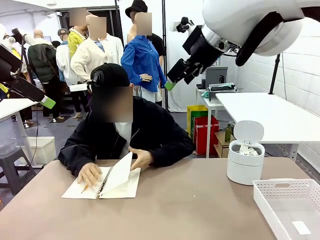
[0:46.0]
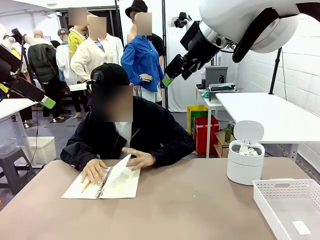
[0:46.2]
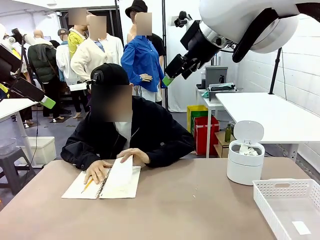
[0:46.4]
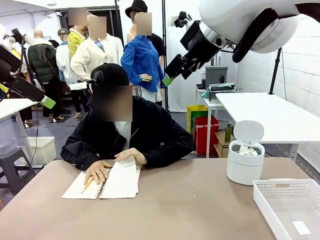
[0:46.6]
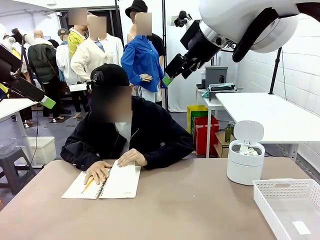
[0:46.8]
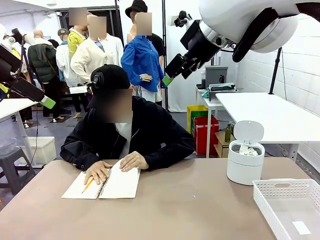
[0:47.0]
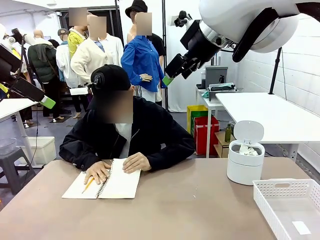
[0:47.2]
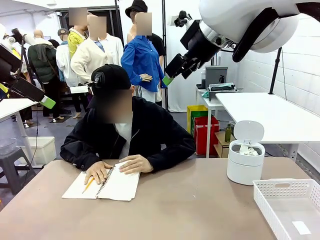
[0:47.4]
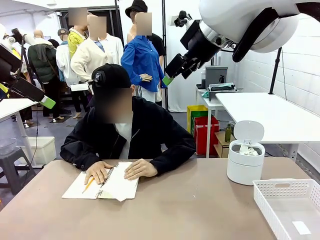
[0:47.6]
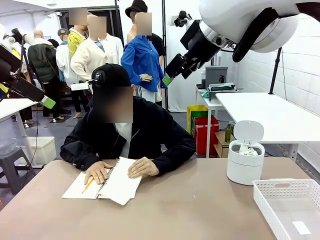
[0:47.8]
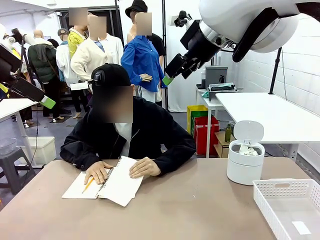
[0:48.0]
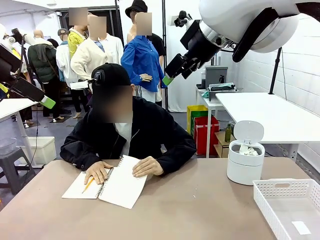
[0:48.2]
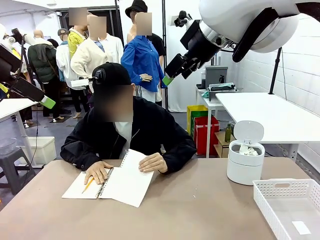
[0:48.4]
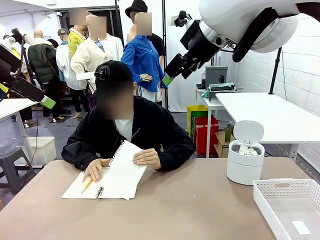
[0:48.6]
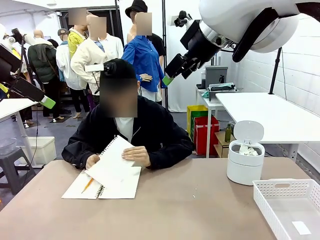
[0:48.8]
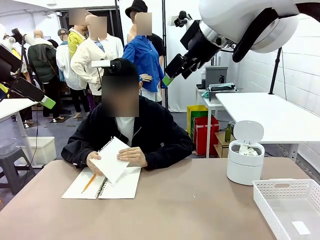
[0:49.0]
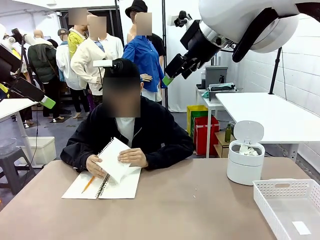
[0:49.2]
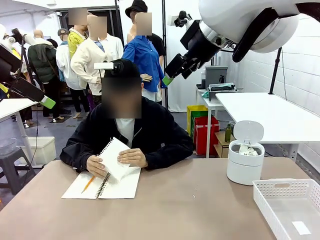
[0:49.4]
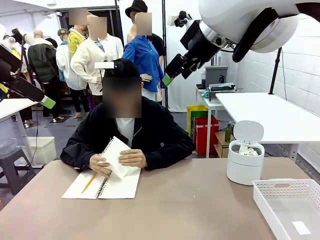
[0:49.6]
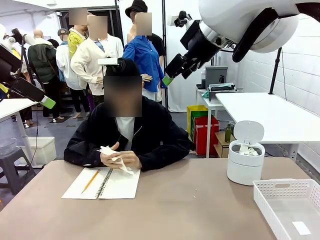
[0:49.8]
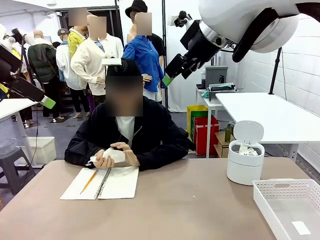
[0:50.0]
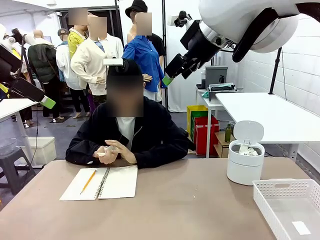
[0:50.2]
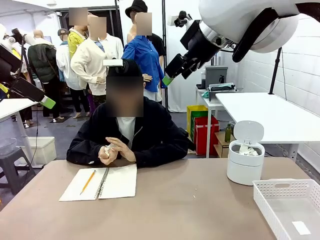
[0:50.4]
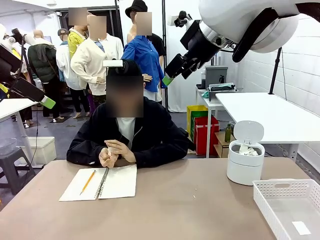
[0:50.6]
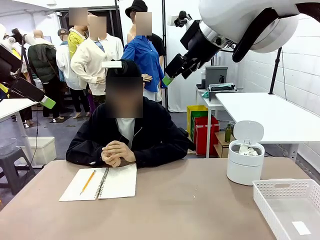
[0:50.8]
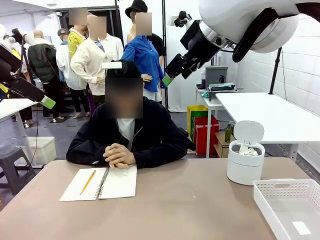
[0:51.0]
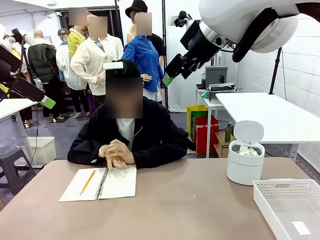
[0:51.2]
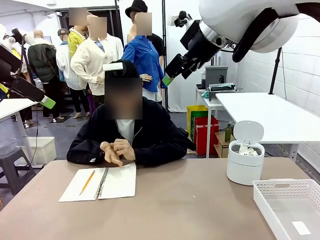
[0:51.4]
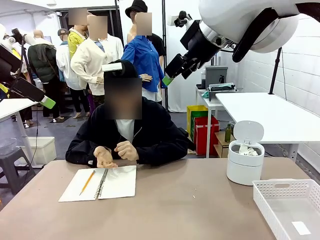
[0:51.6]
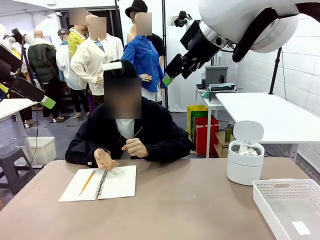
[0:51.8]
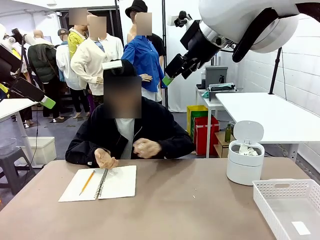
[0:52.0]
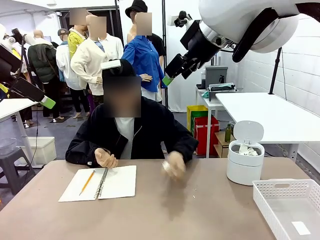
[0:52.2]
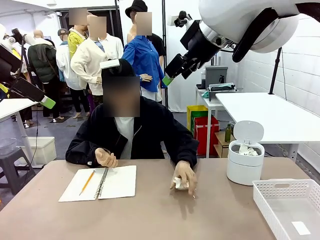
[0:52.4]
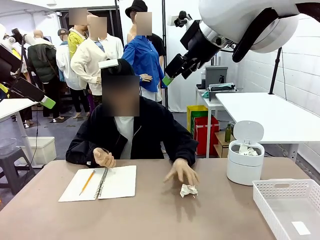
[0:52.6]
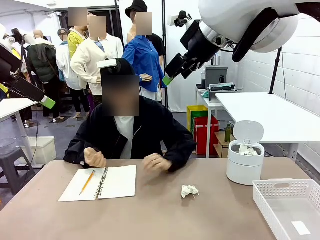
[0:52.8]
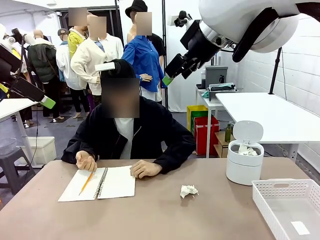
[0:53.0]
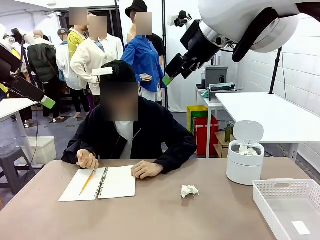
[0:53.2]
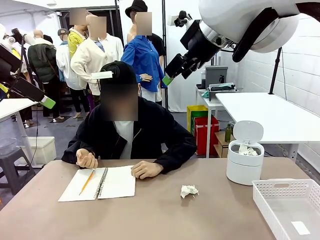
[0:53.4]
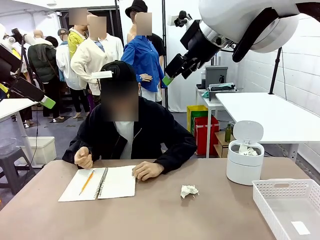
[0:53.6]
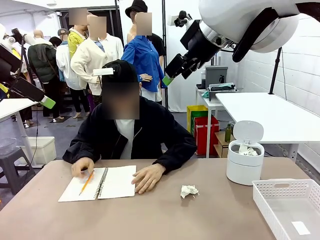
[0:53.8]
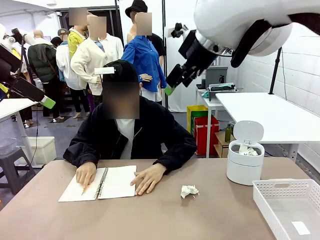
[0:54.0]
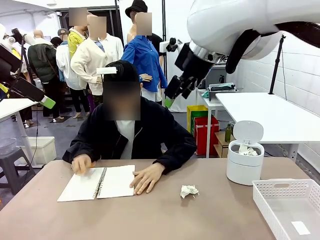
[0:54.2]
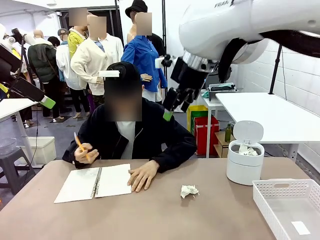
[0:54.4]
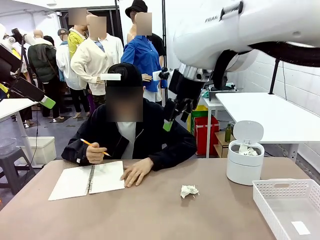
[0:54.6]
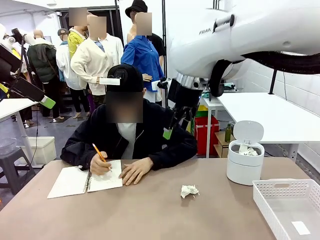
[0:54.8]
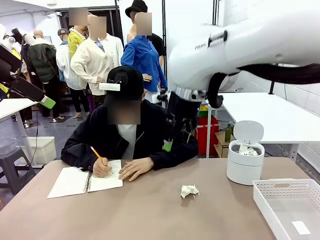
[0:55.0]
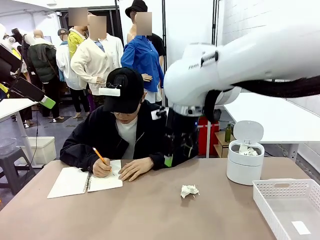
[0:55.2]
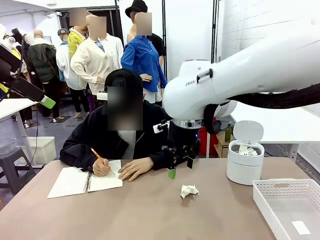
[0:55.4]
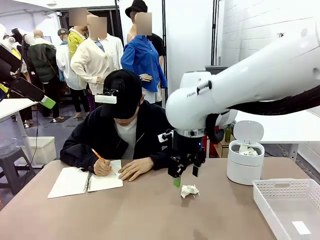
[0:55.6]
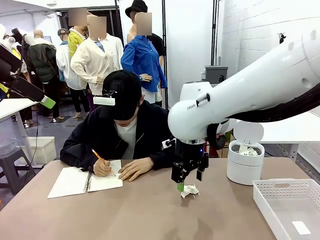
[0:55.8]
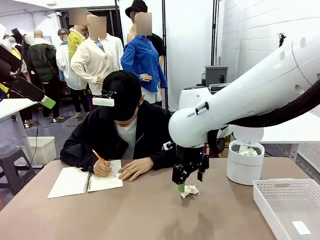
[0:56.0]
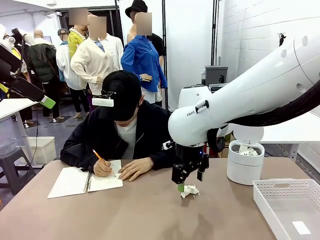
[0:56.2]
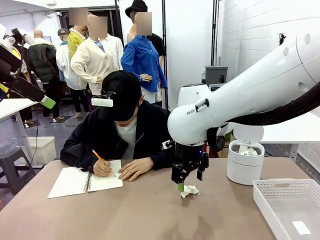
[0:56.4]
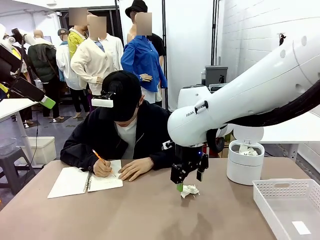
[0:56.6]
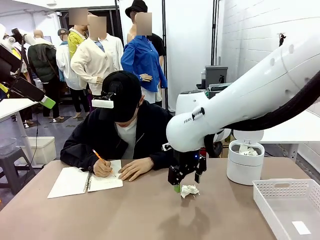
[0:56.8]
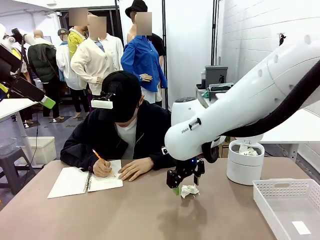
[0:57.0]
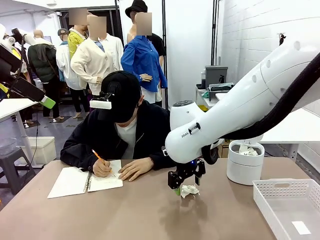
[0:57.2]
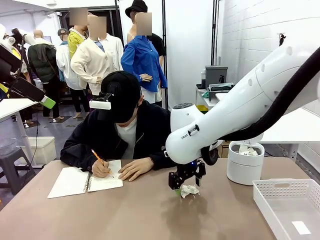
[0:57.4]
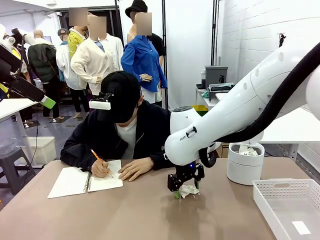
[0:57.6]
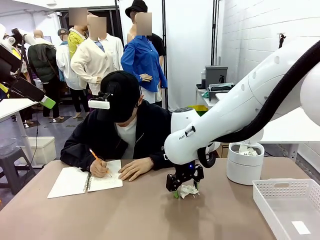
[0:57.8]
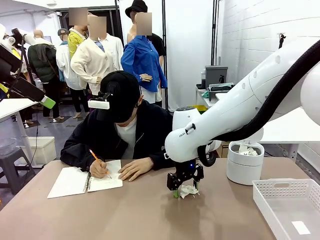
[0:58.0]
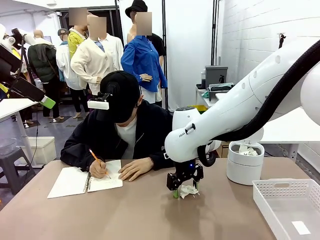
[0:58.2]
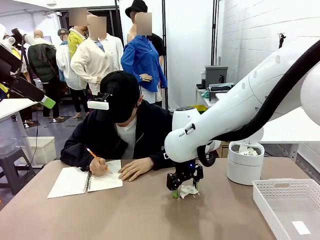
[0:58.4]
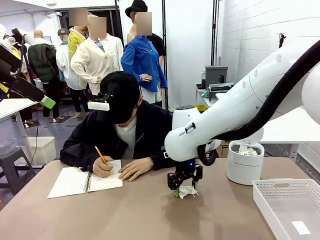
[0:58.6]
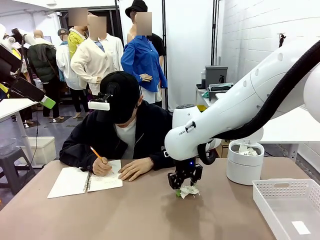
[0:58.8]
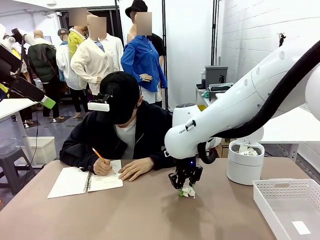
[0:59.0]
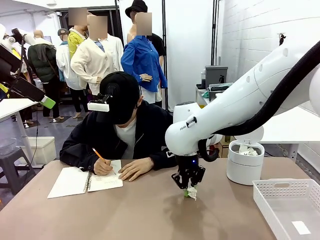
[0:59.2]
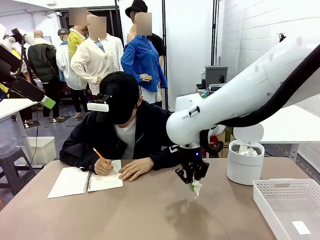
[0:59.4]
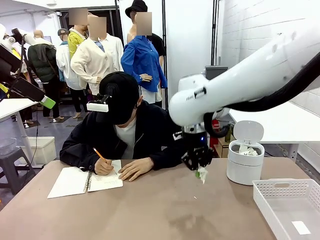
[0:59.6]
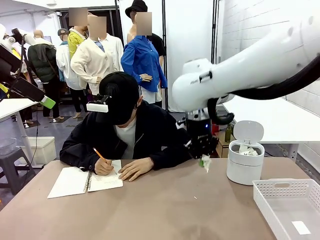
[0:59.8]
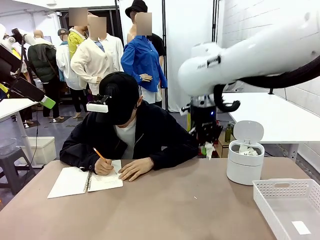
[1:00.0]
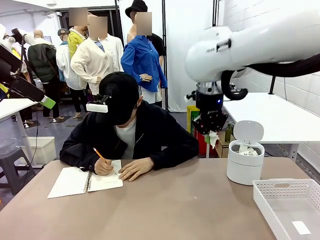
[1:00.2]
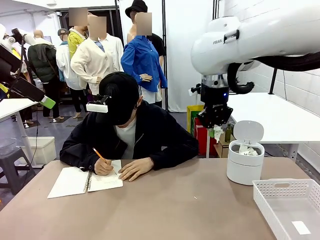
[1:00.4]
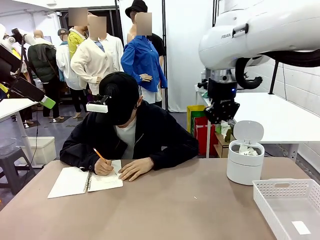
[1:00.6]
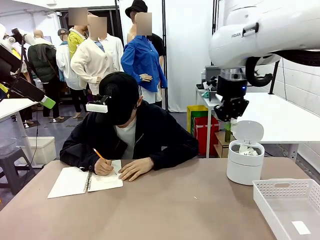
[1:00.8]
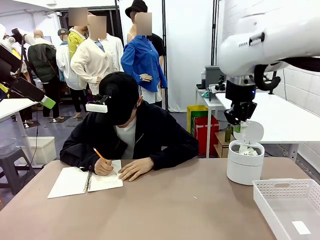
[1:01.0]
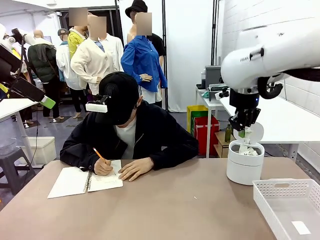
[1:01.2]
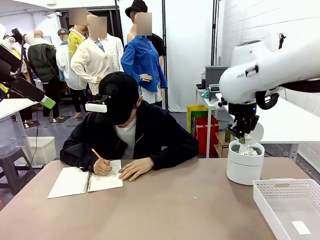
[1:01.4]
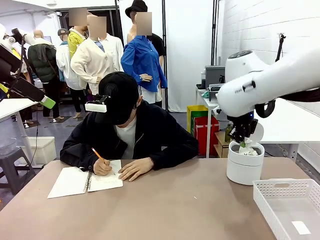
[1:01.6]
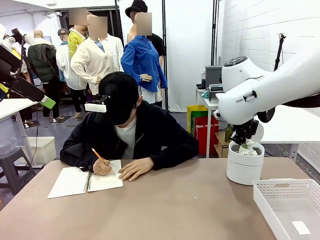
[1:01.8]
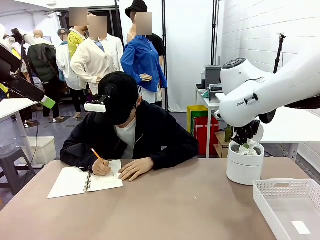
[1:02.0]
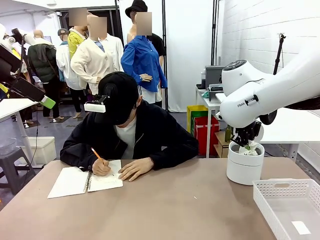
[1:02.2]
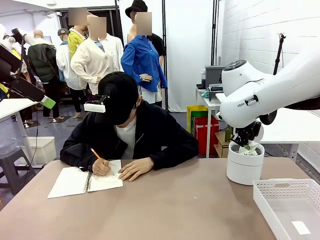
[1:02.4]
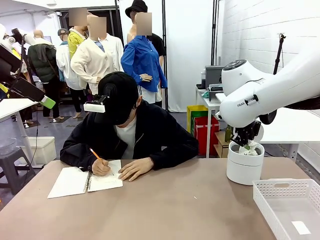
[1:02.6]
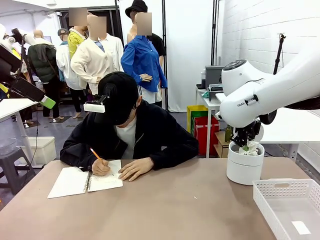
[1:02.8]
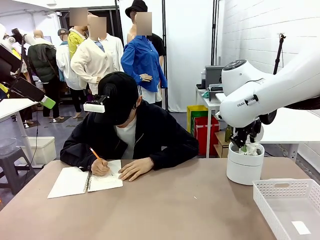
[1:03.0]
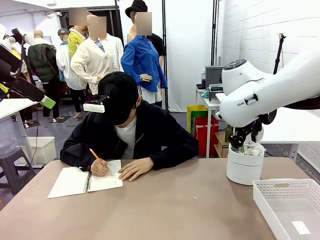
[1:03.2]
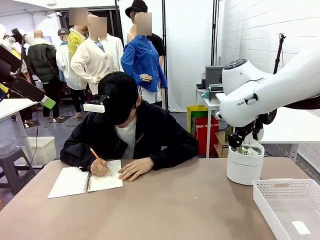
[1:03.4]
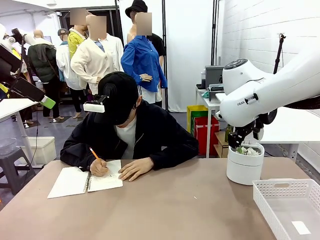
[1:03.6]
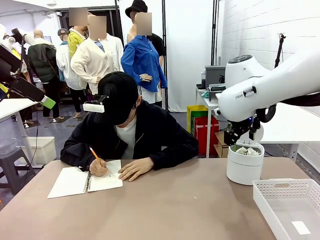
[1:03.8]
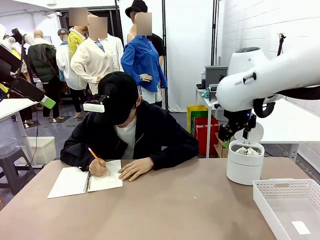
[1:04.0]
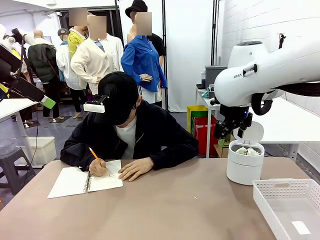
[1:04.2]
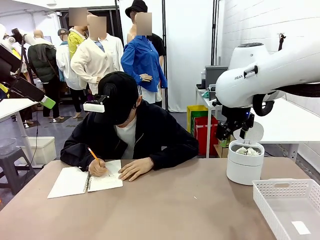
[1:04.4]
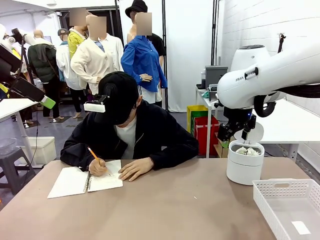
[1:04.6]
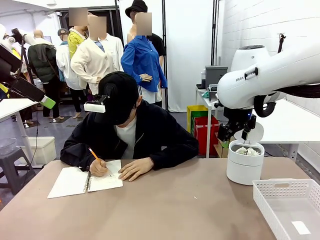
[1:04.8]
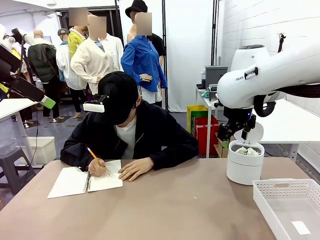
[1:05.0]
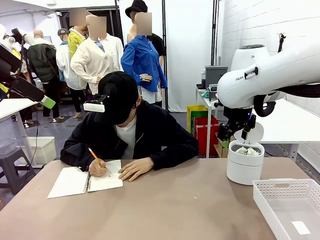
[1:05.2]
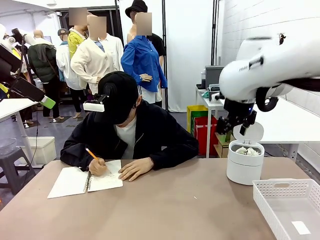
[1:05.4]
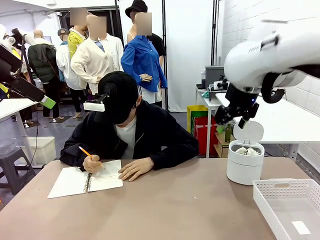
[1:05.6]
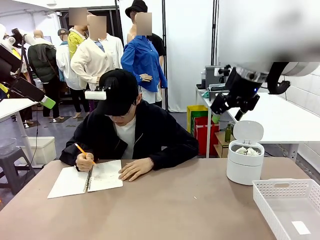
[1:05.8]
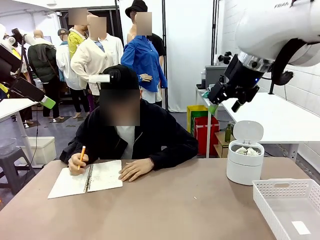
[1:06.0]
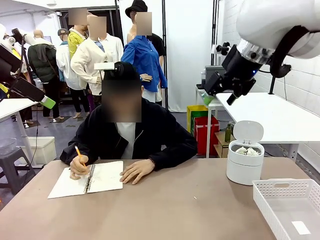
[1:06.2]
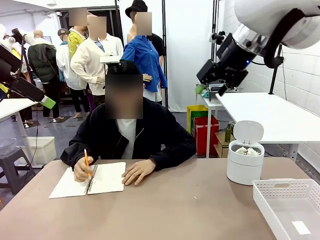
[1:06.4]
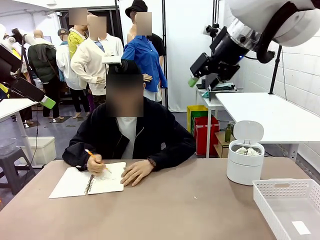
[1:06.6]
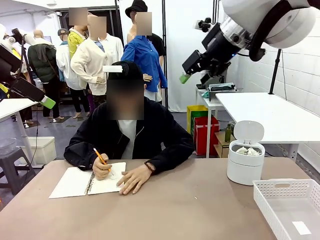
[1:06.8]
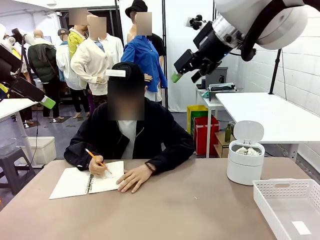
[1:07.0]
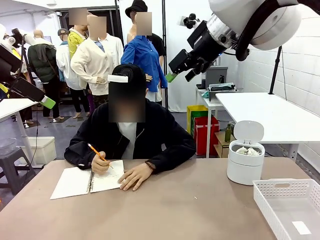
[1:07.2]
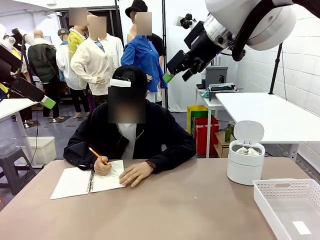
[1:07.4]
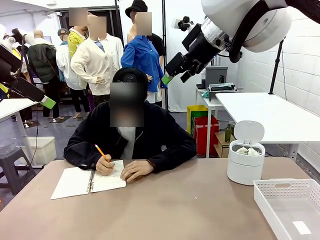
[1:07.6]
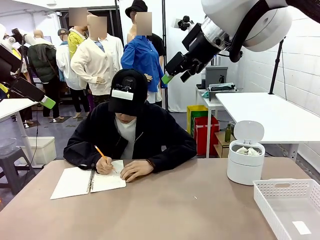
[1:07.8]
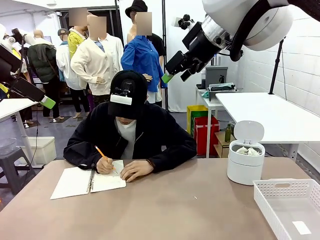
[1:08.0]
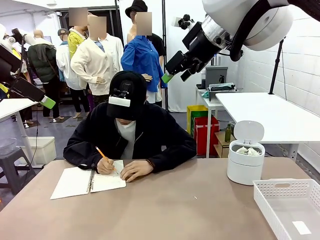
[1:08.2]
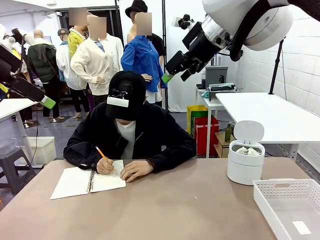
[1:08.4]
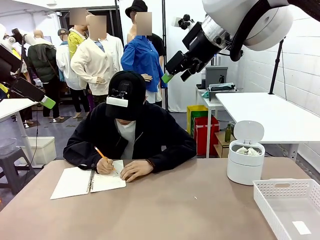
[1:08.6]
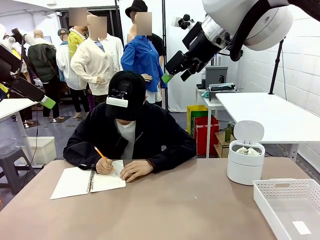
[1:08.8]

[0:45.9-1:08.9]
Task: Sort the paper based on its condition.
Robot: If a person hands you a paper, place it in the Organizing basket , and if it's crumpled, put it in the Trash can.
Person: Hand the torn page to the robot or crumple it and throw it to the center of the table.
